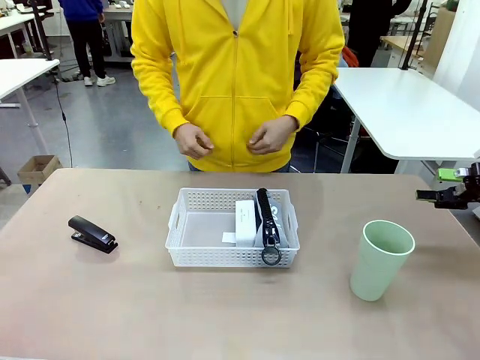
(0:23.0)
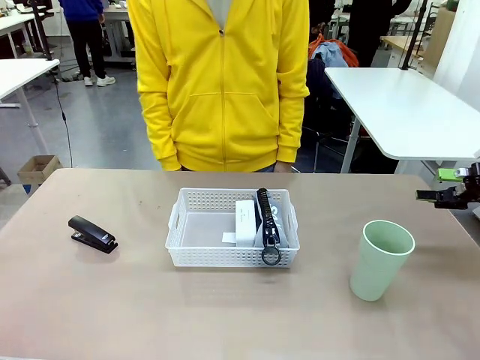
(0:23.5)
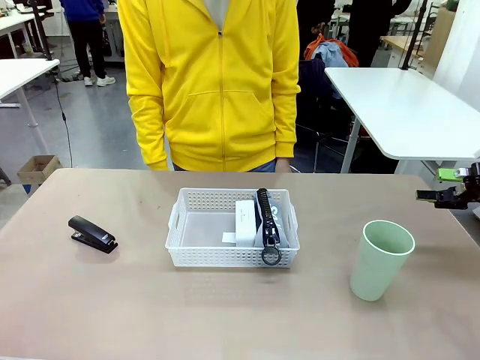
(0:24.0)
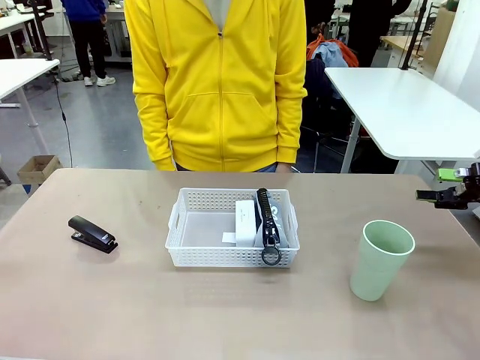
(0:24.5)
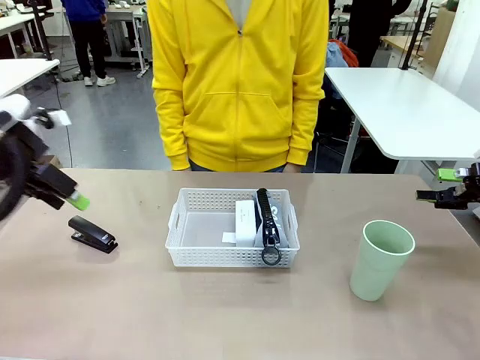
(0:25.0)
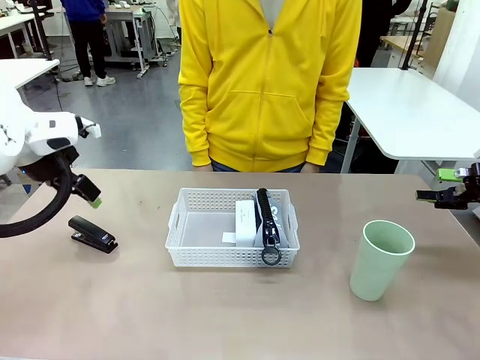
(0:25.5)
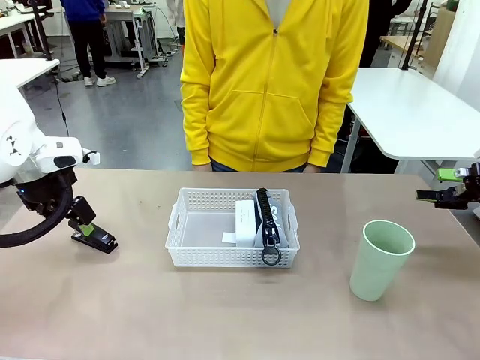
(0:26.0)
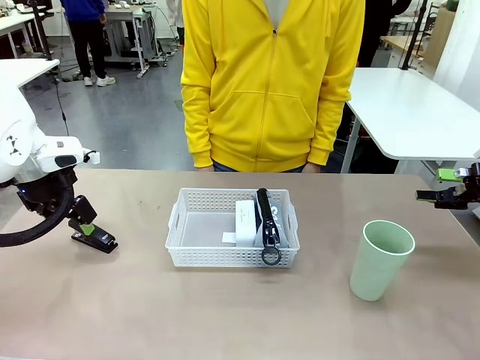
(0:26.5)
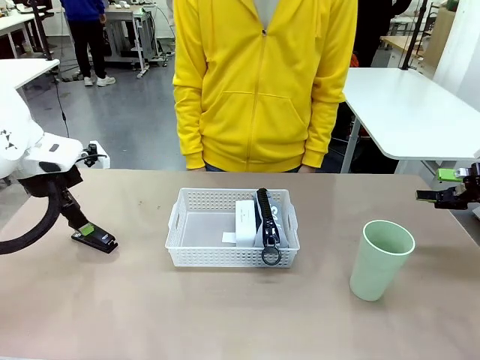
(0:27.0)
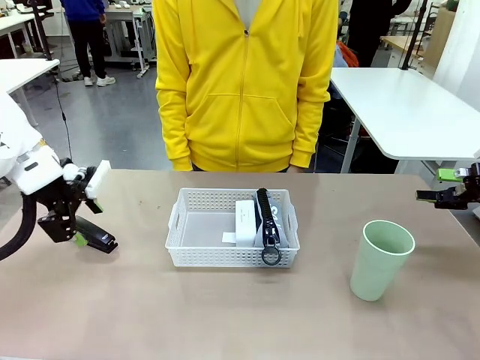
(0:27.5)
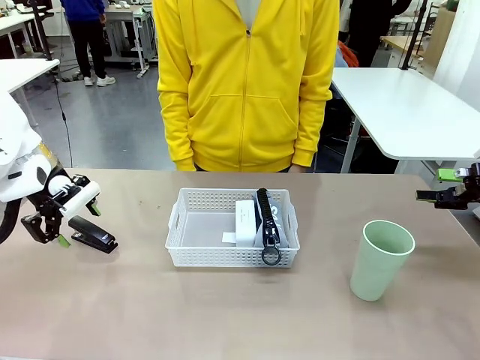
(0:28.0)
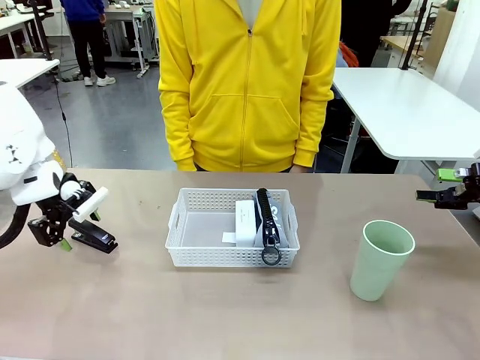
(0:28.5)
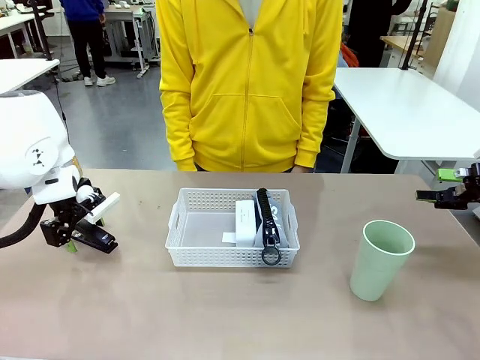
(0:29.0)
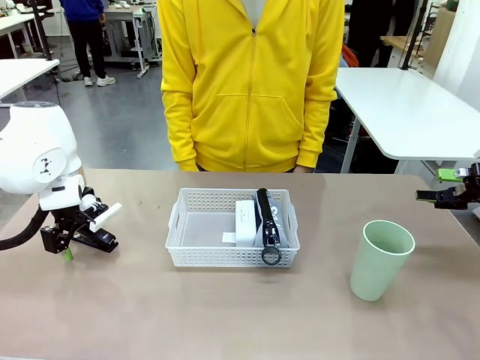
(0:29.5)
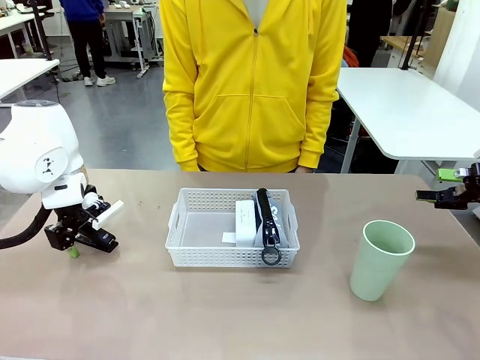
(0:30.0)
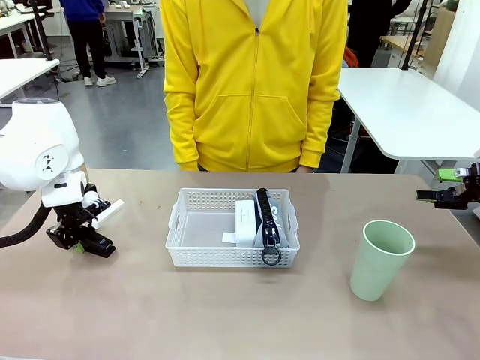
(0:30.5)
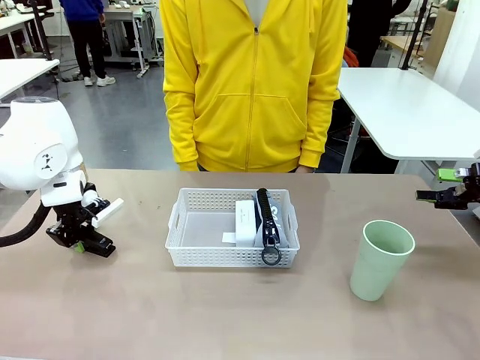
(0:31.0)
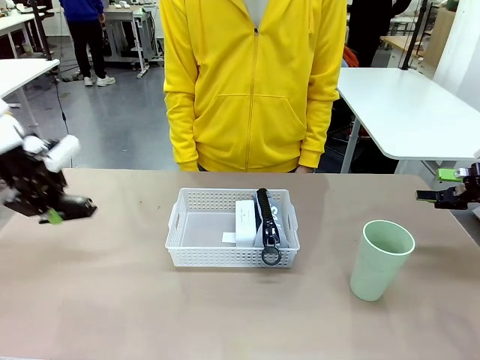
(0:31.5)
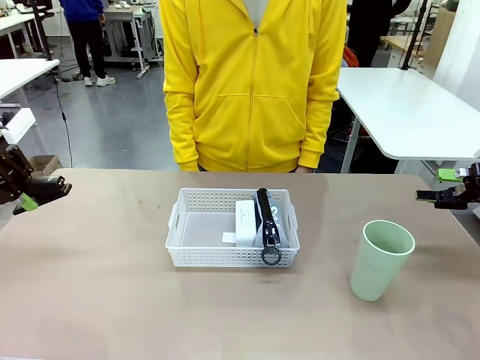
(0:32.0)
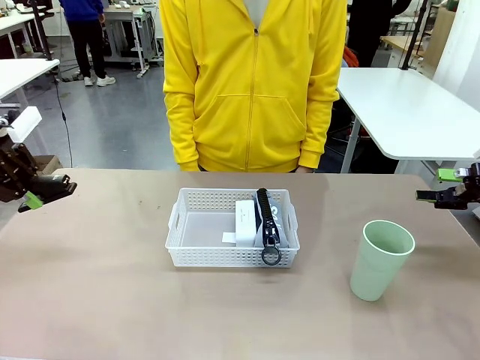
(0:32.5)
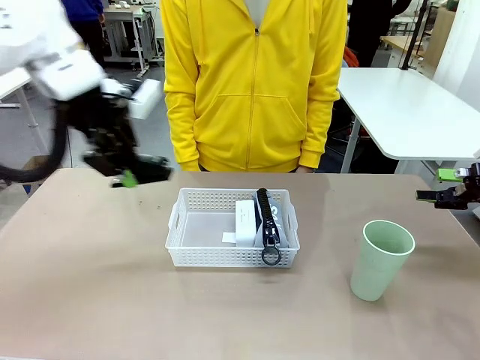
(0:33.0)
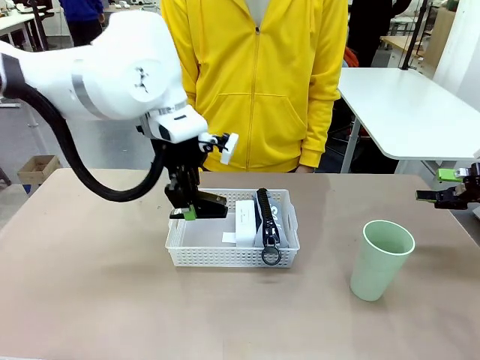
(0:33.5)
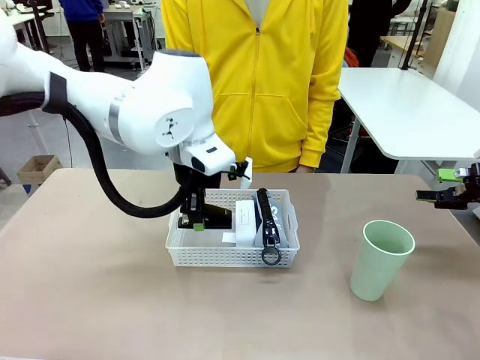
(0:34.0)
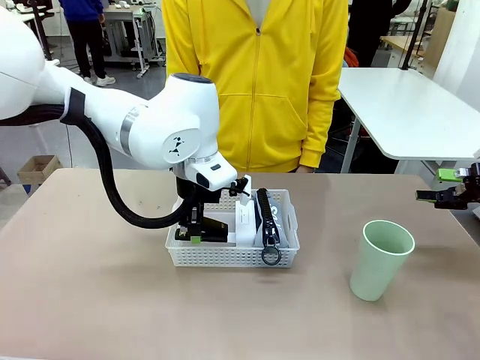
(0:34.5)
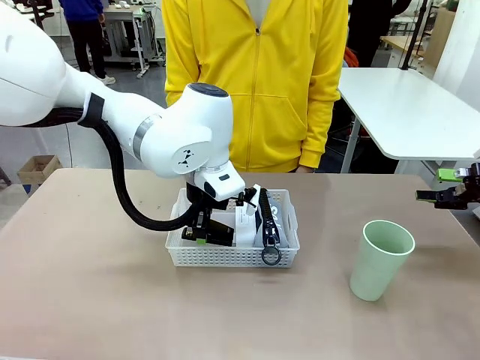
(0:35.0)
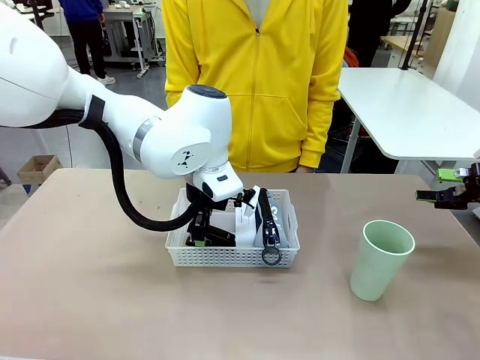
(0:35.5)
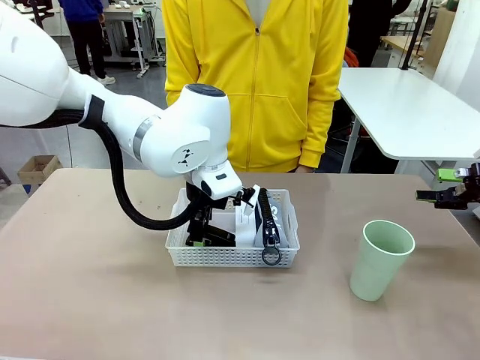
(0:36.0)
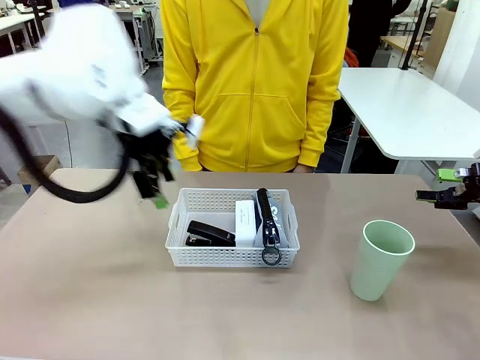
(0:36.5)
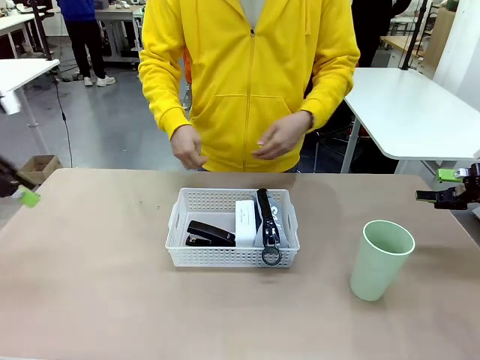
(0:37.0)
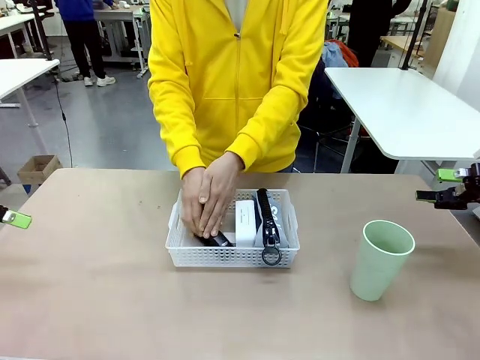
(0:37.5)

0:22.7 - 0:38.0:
Task: Efficiently arrange items inside the basket to fit them all.
Robot: Pick up the Stapler and place it inside the Organizing basket.

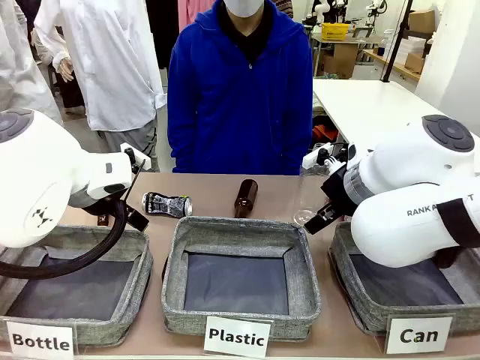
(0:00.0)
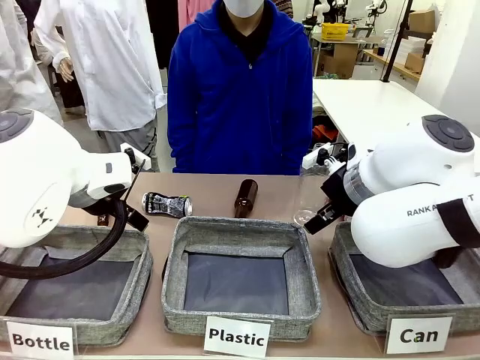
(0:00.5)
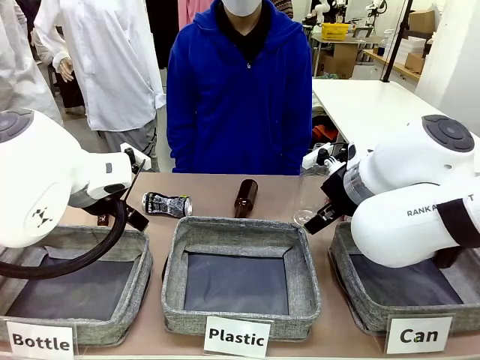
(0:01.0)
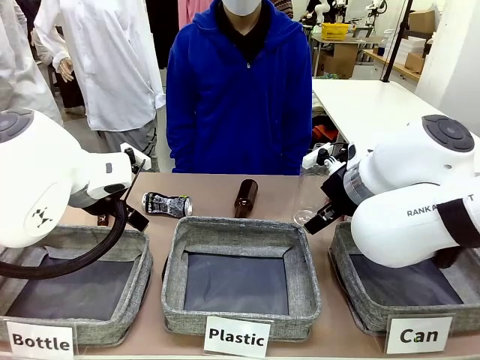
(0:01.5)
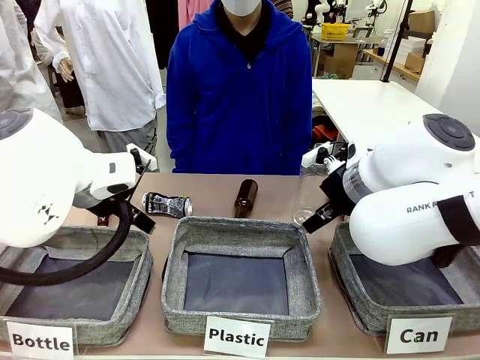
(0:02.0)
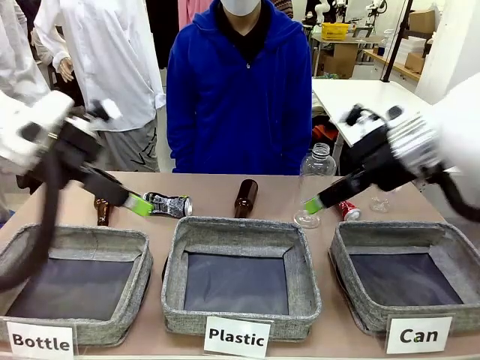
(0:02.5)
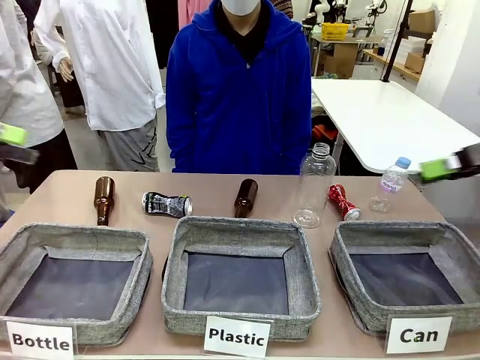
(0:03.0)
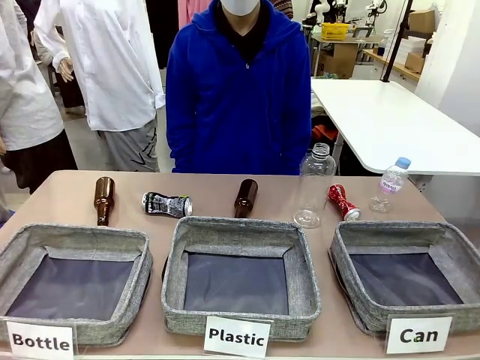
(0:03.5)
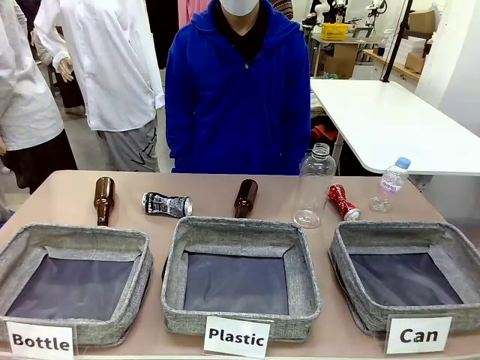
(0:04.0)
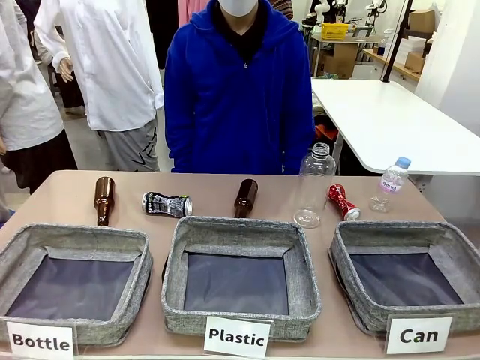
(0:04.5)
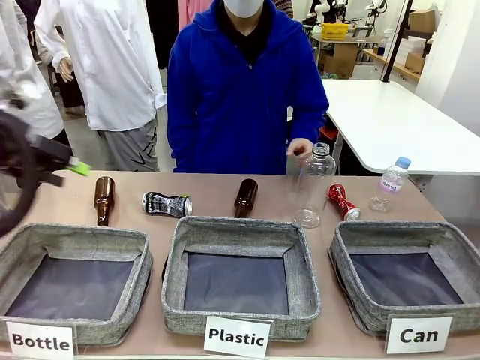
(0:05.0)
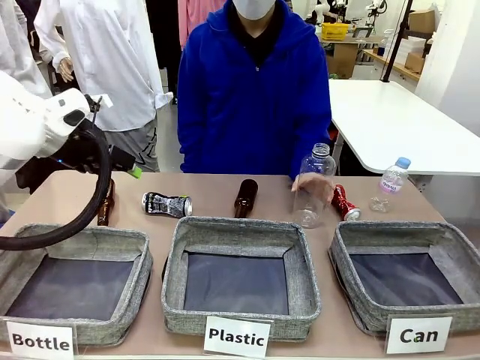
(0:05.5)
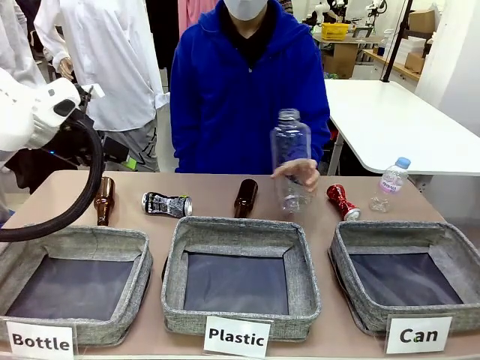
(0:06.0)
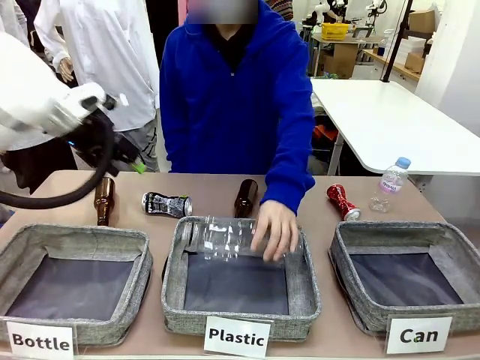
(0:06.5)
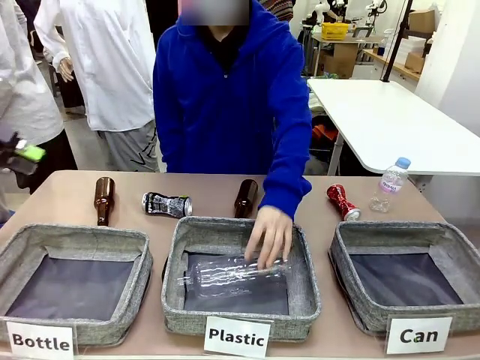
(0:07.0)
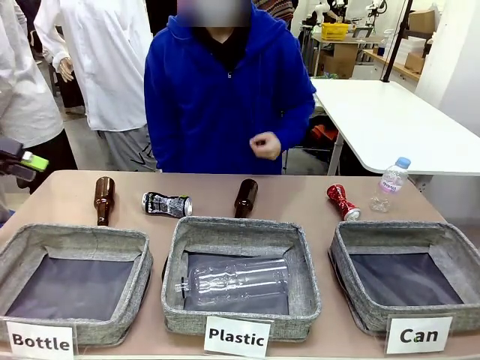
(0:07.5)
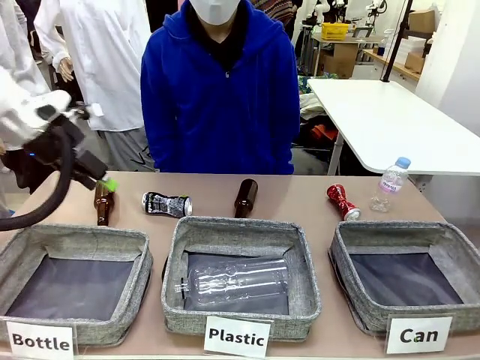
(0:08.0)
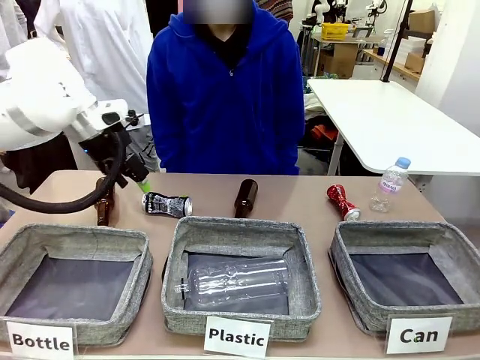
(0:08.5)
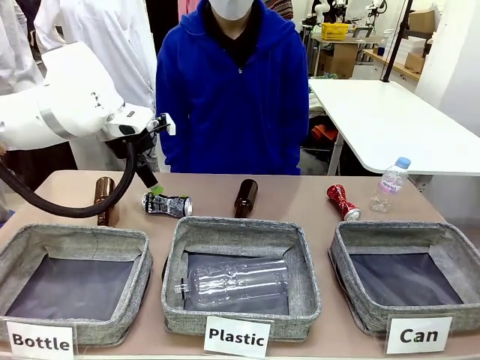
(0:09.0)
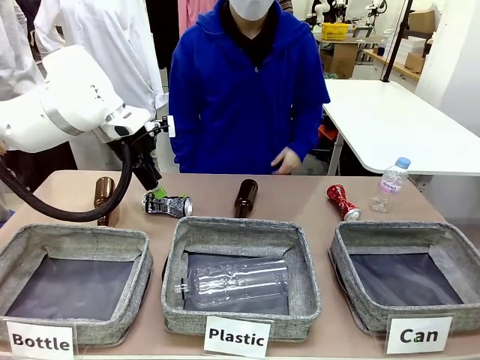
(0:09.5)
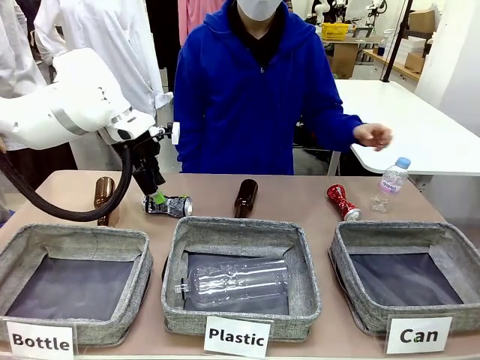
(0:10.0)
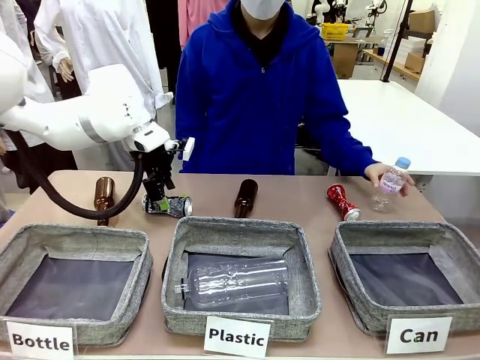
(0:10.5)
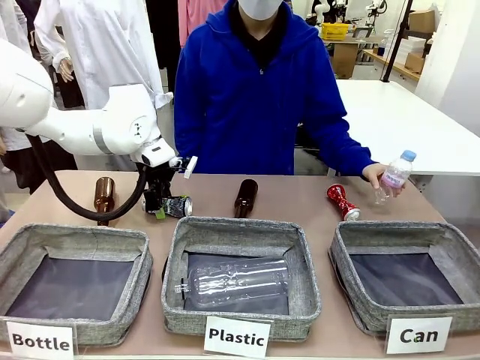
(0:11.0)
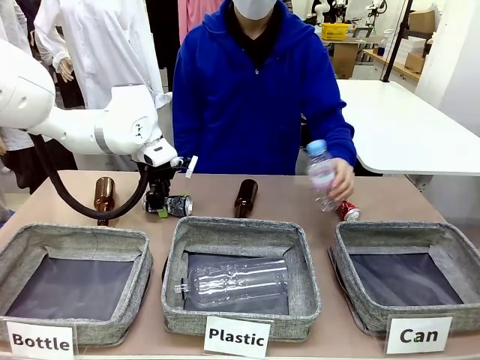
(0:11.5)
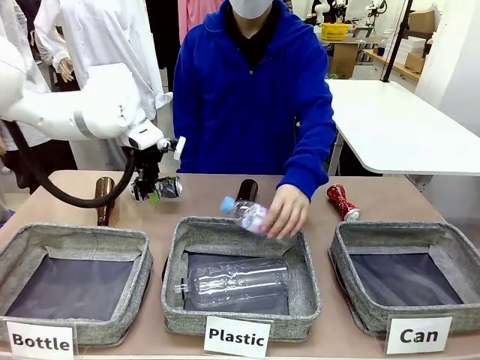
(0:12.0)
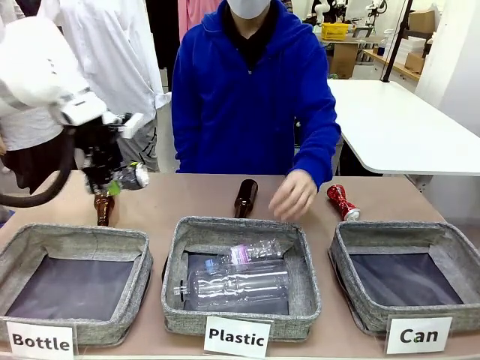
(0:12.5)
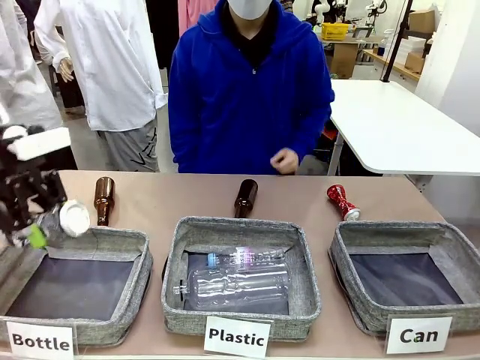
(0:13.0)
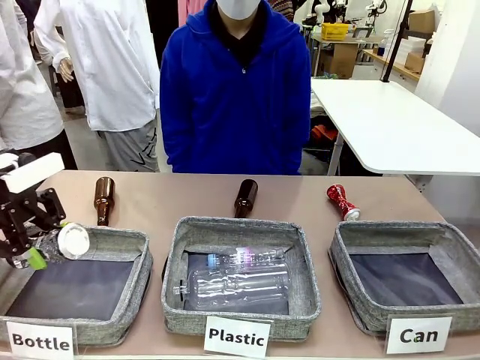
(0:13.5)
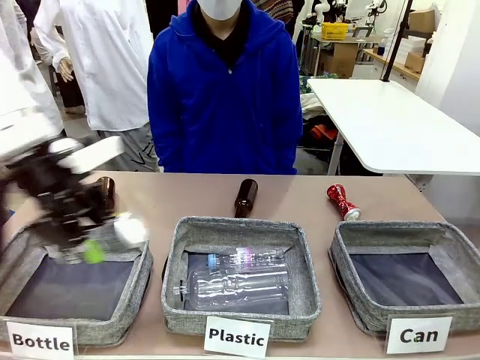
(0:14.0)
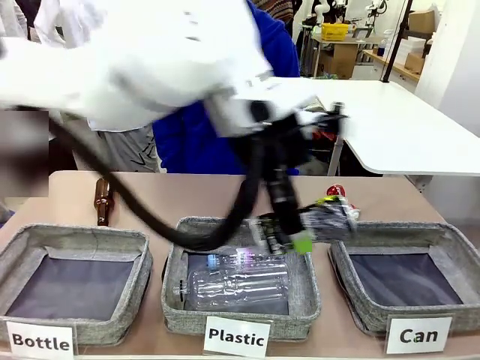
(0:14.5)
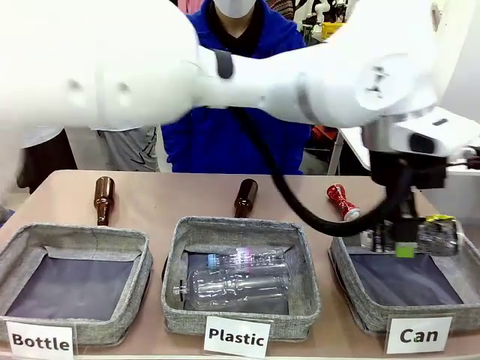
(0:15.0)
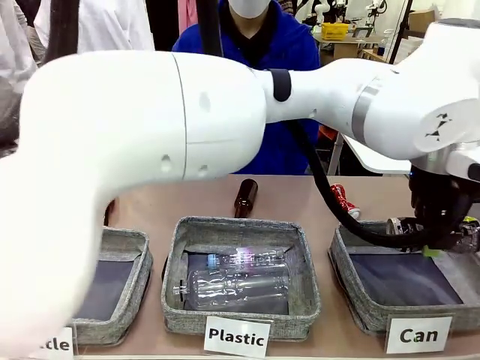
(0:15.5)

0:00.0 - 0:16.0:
Task: Sort the can waste into the basket.
Robot: Pick up the can waste from the table and place it in the right Fabric basket.
